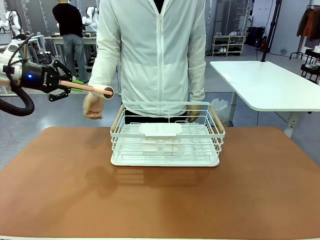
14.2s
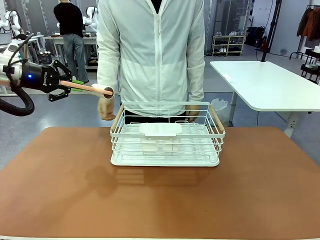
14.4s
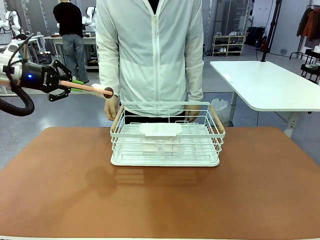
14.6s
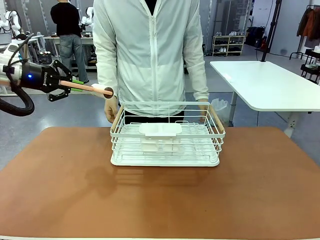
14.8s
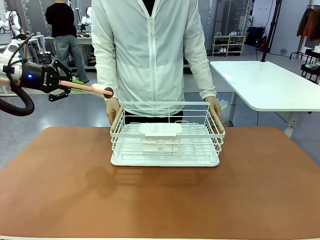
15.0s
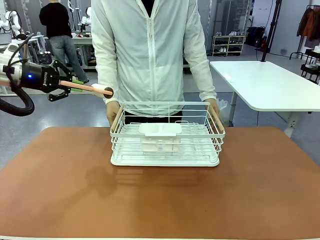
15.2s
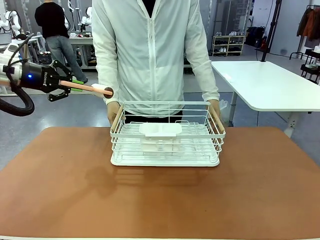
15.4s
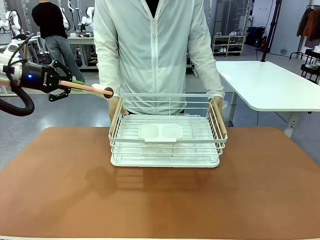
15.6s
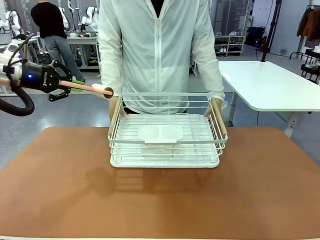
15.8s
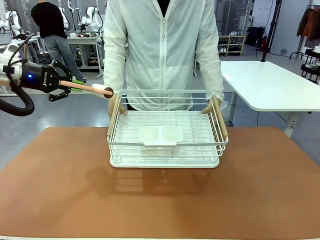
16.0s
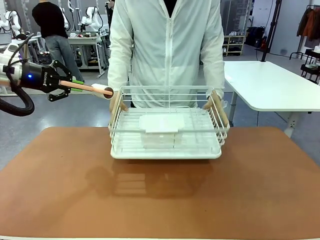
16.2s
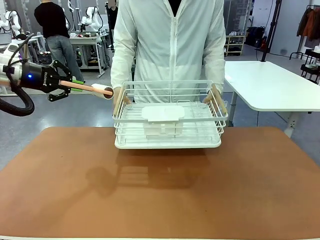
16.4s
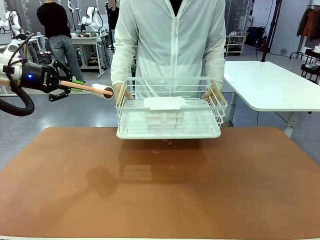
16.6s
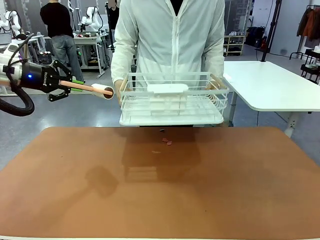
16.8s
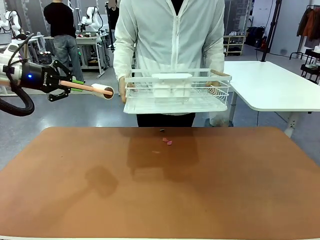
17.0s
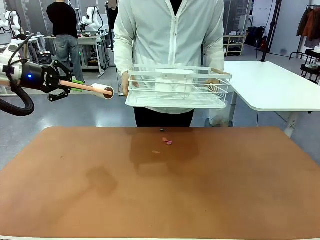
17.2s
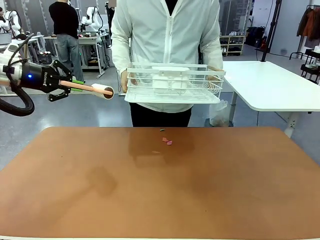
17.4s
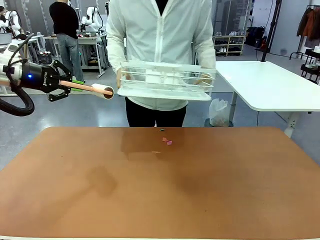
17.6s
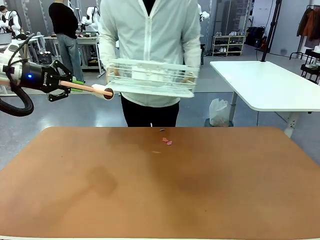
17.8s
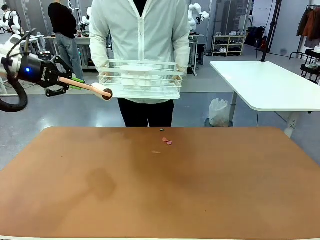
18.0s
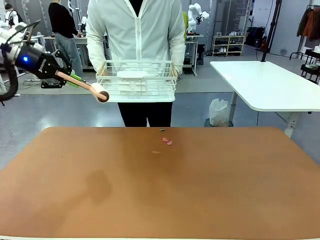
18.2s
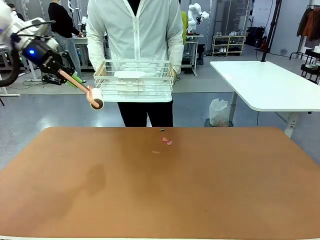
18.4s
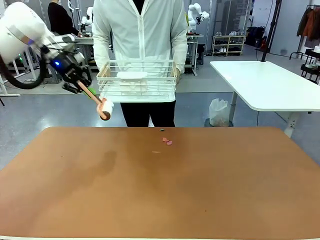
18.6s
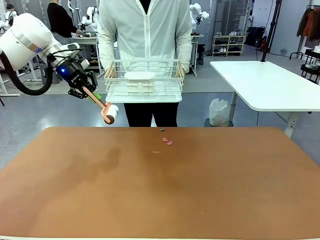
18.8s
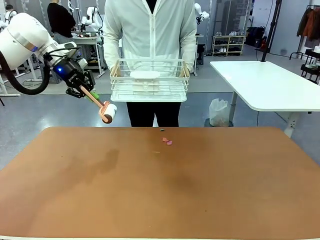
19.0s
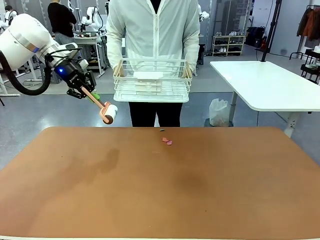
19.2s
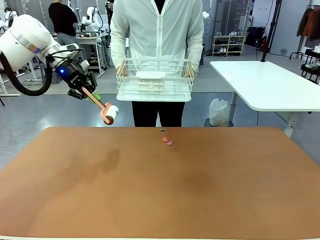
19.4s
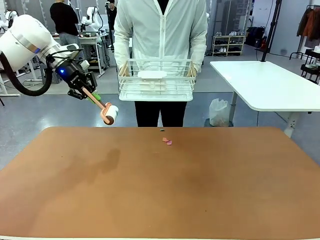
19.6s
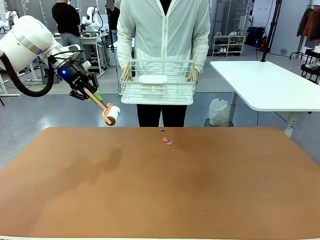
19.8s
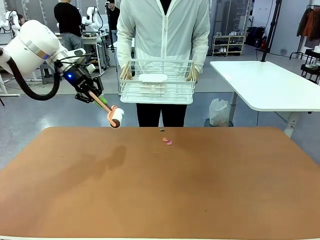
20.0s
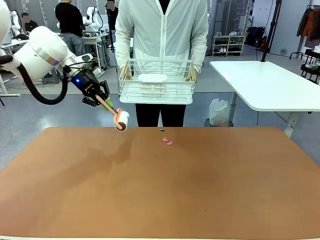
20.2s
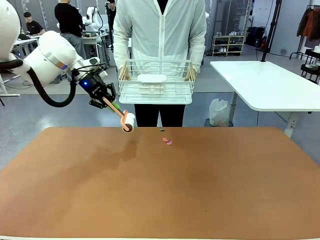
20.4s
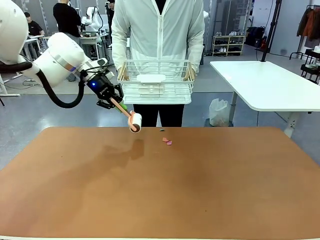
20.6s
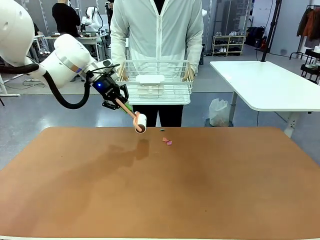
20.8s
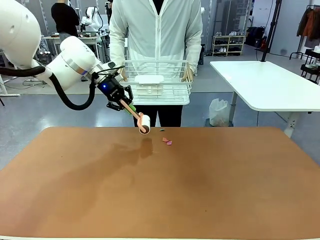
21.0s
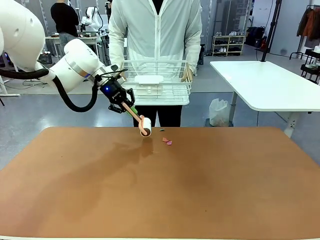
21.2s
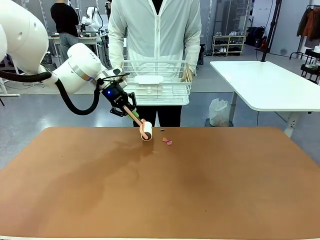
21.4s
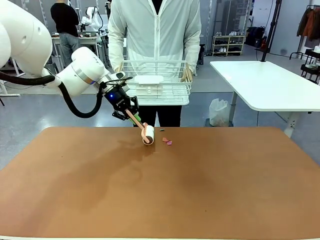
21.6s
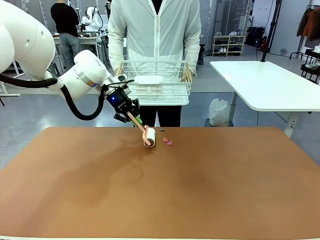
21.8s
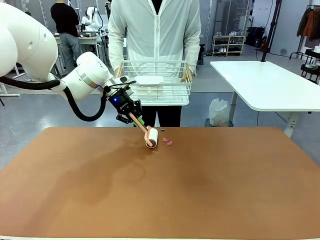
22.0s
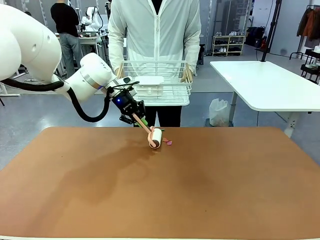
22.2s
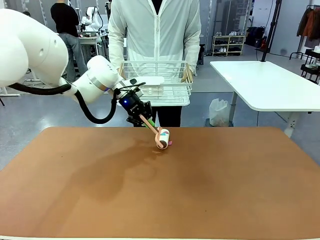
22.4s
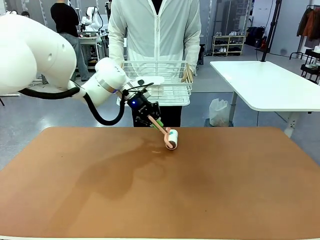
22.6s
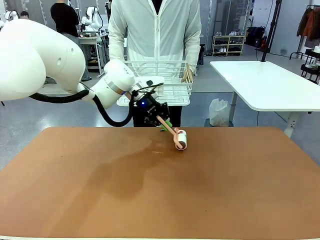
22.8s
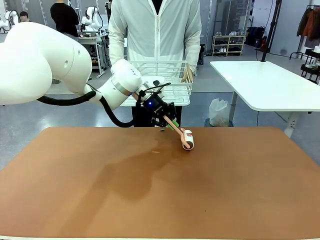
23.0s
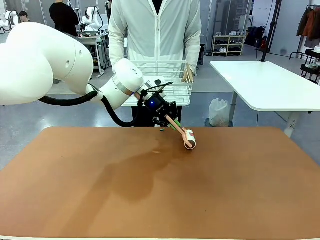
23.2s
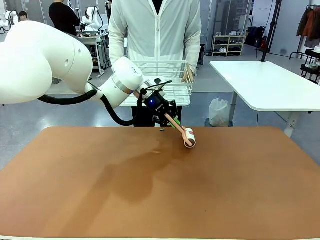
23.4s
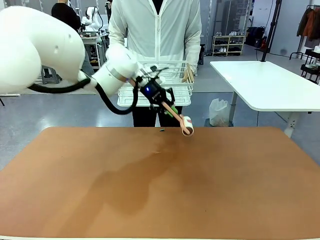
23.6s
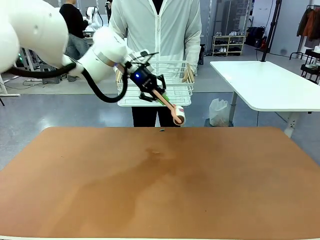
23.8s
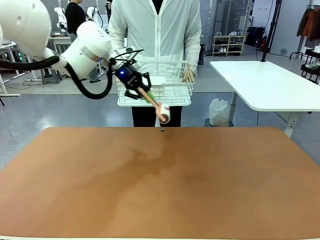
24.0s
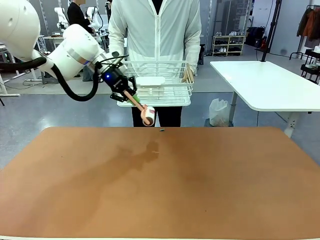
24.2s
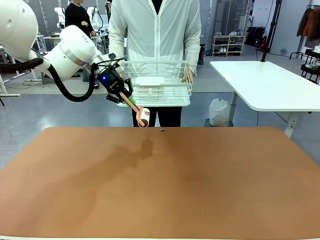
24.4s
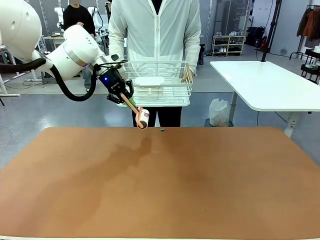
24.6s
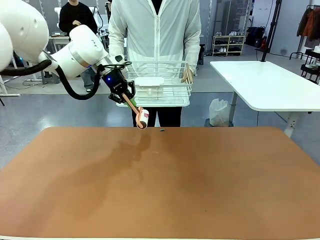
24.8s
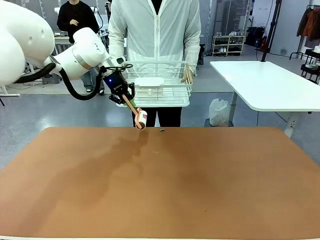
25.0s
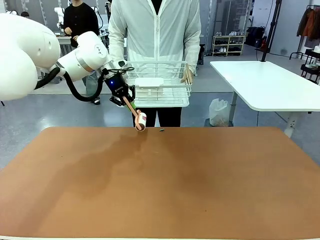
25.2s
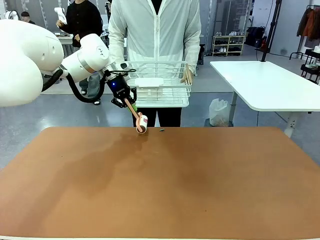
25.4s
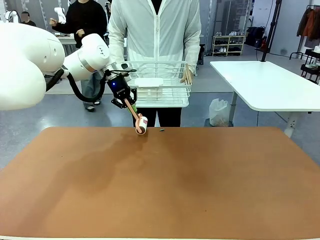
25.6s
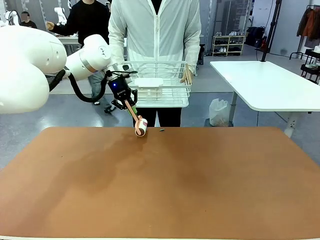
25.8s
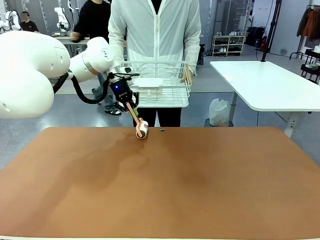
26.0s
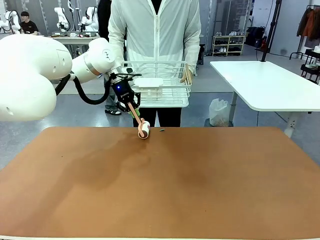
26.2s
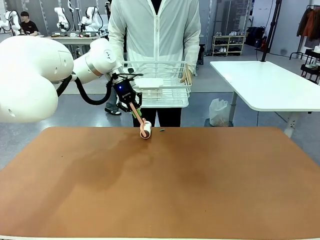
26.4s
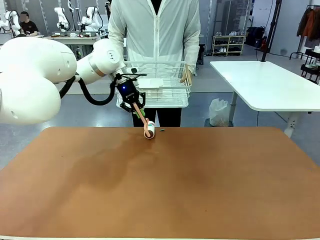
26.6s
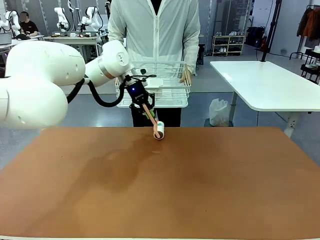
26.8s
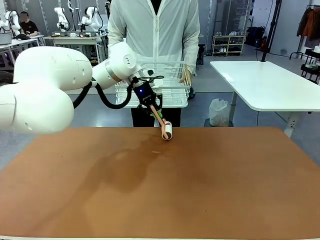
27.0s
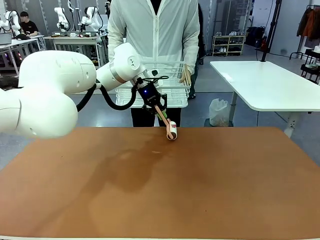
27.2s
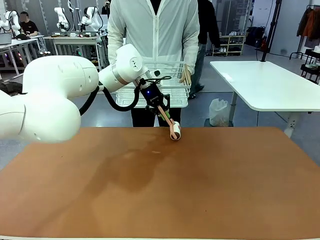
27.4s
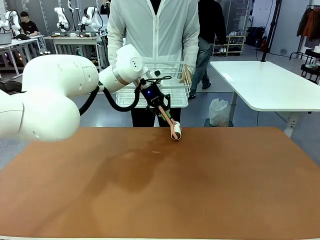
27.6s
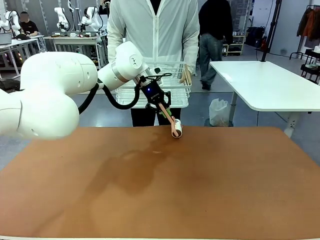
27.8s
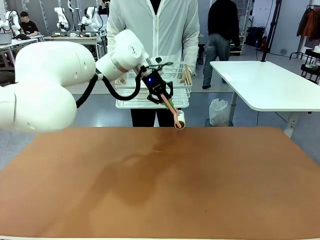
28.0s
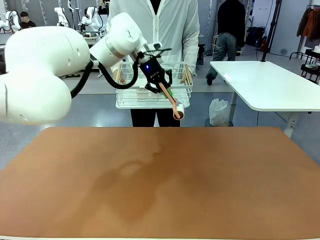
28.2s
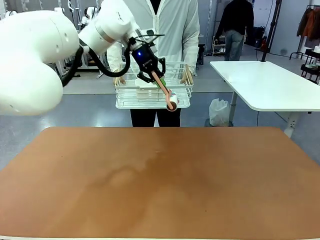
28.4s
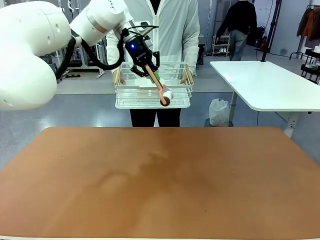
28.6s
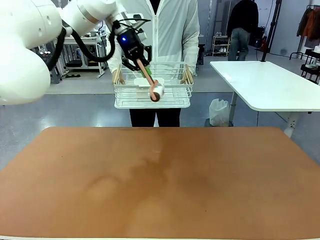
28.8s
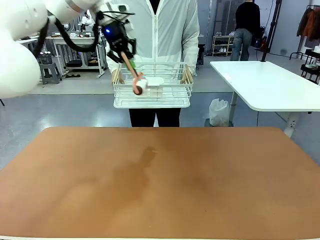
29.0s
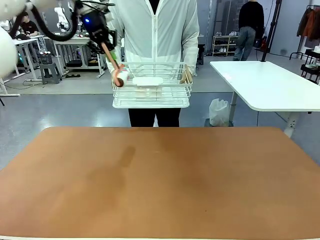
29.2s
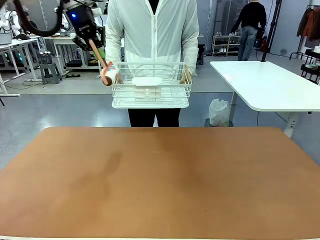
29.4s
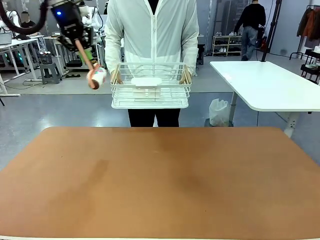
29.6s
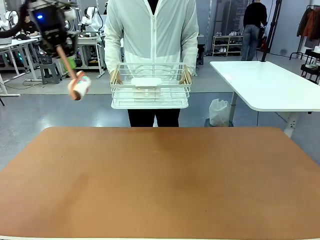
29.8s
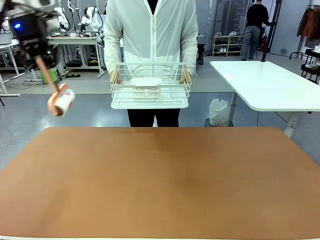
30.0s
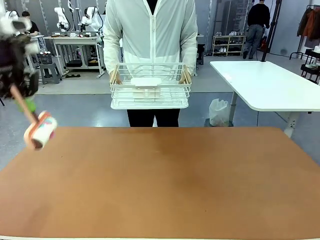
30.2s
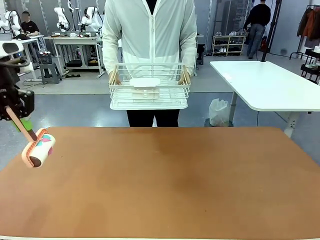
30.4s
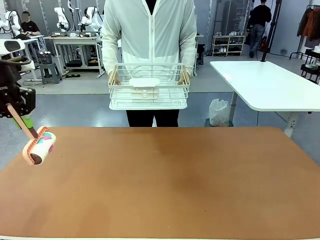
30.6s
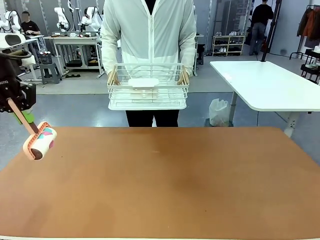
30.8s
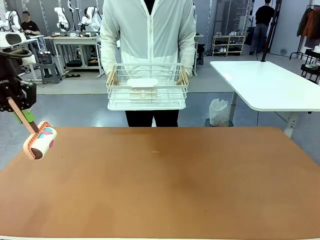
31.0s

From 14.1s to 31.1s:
Task: Clean the table.
Robot: Clean the table with the Lint Roller when the human lifts the Dish drying rack.
Person: Place the Dish drying rack down when the robot finishes cleaning.

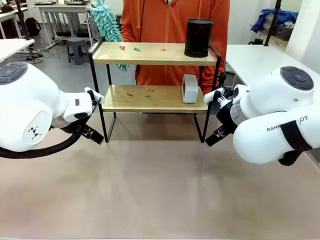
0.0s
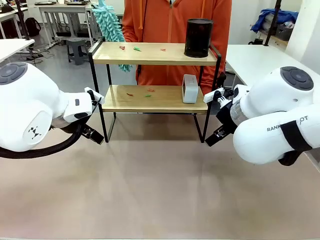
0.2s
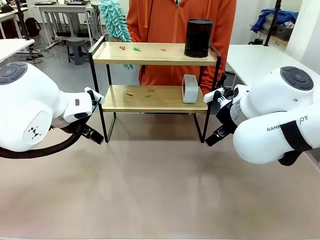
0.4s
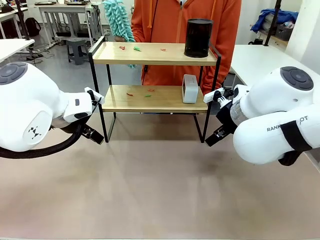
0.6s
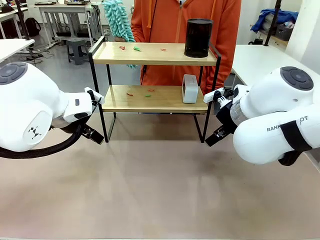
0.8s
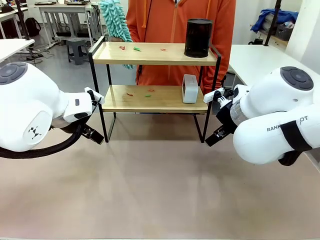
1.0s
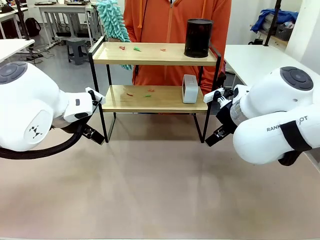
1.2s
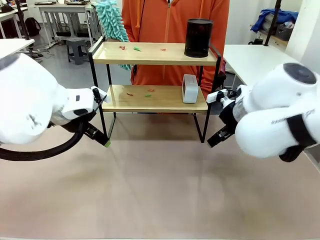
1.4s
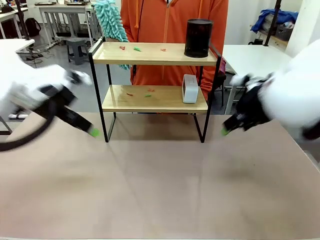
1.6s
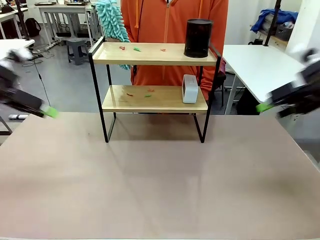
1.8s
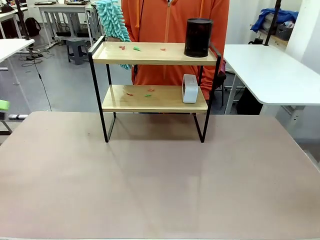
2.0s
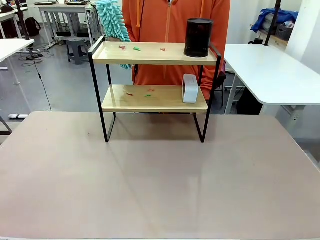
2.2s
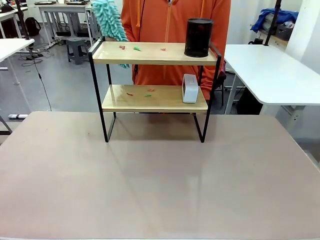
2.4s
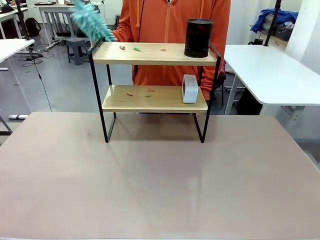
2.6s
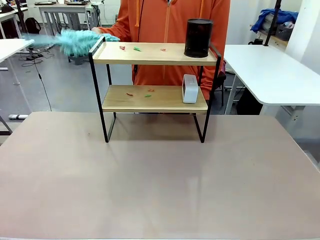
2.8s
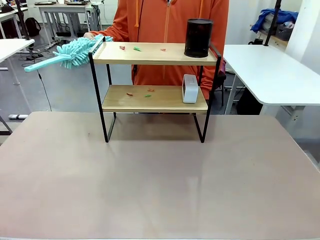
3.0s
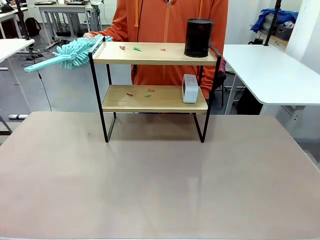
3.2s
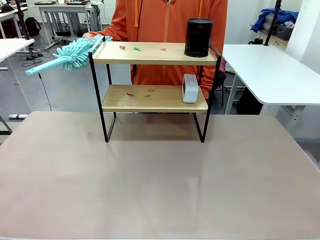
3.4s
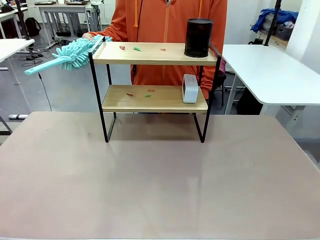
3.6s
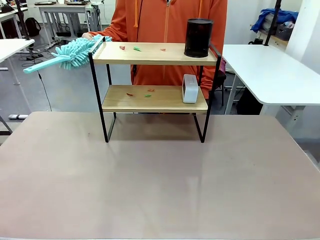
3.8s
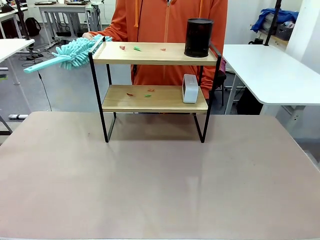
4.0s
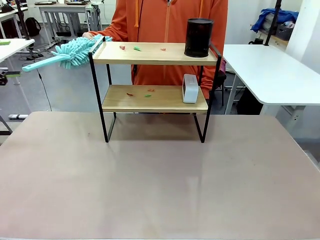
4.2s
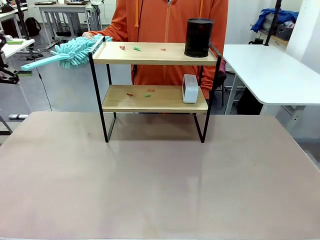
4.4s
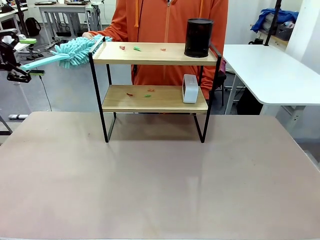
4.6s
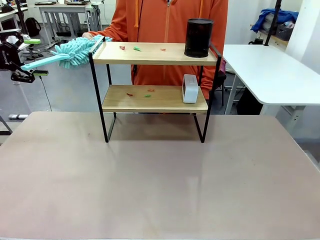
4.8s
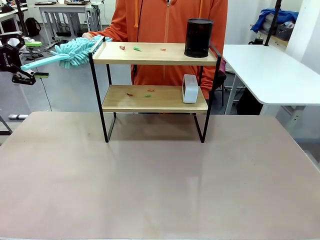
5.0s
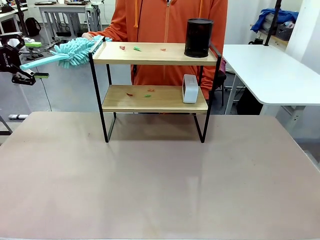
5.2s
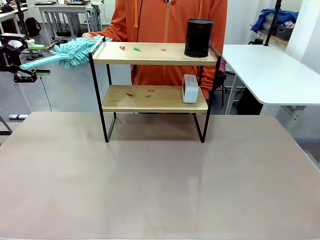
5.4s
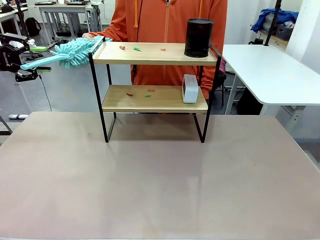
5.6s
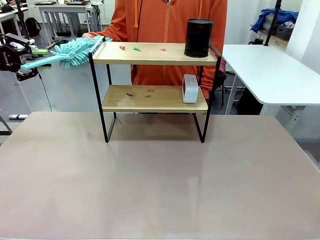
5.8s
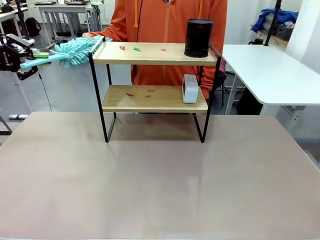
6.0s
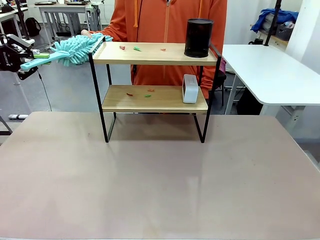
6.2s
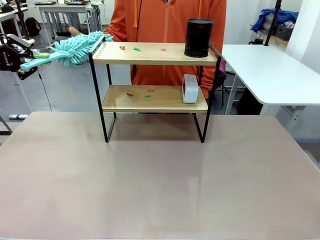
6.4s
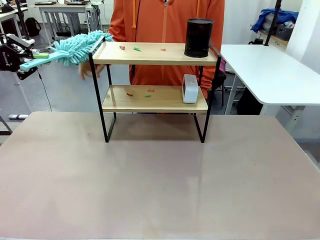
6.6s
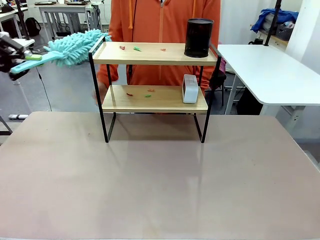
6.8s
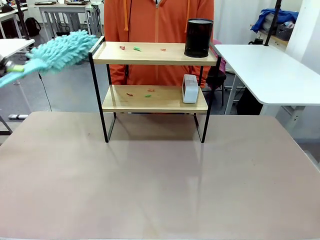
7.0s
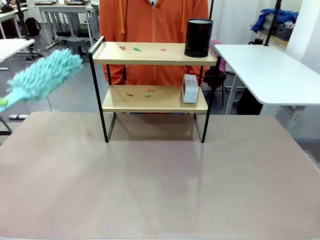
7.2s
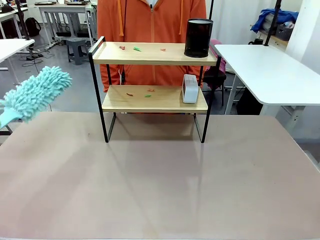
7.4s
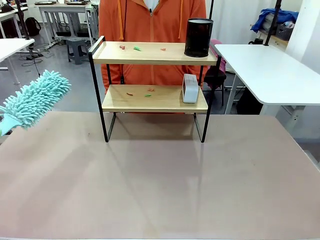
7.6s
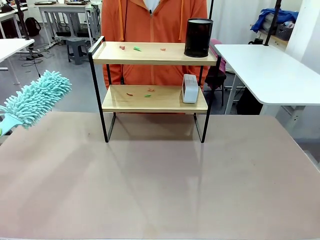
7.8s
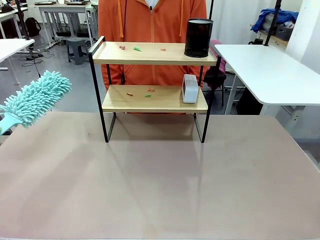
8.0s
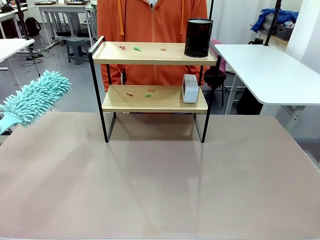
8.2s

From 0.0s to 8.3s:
Task: Clean the shelf.
Robot: Pick up the Duster from the human.
Person: Hand the Duster to the robot.
